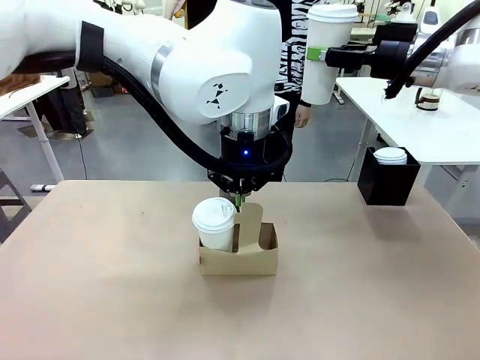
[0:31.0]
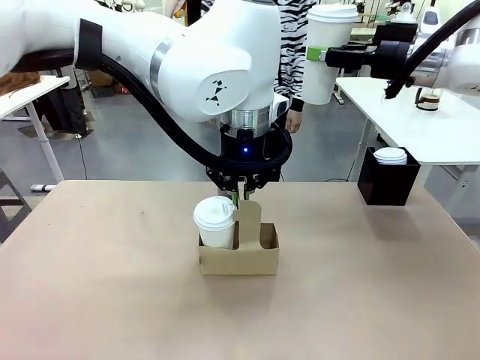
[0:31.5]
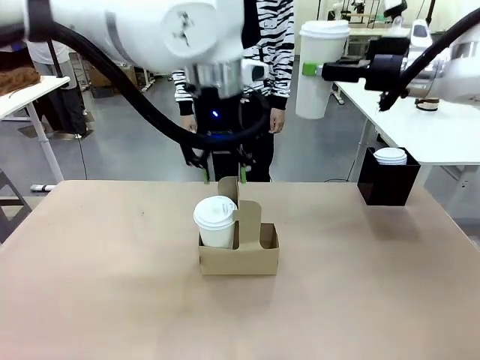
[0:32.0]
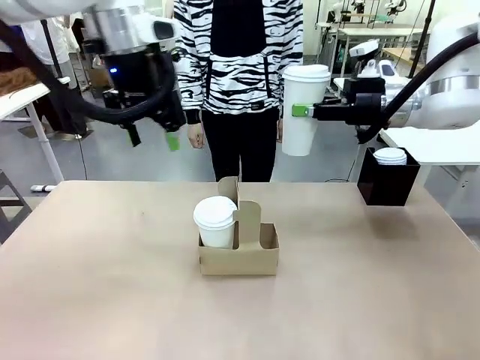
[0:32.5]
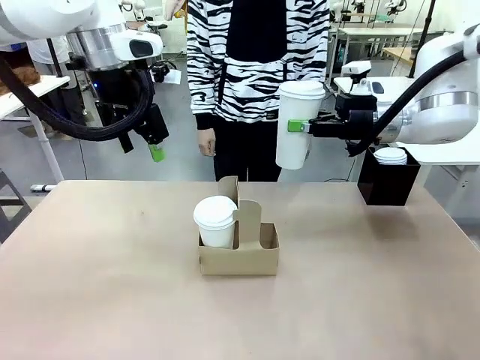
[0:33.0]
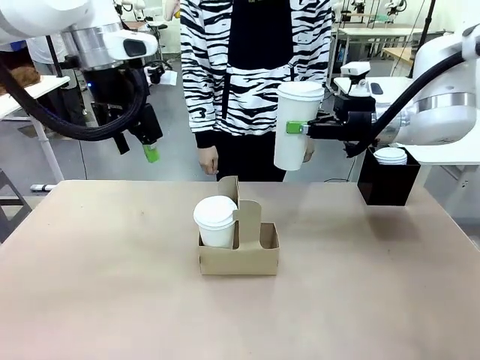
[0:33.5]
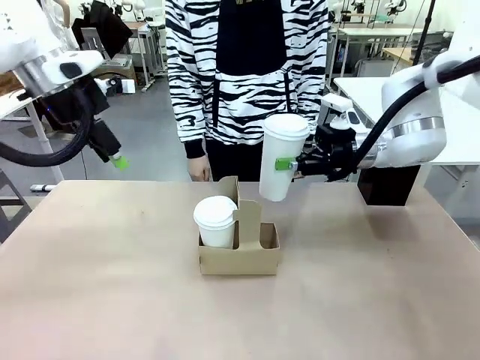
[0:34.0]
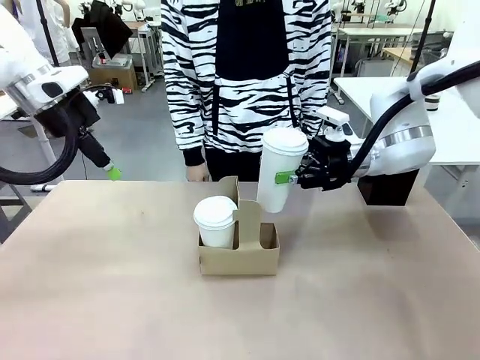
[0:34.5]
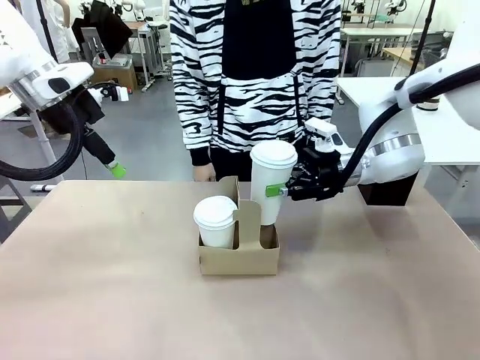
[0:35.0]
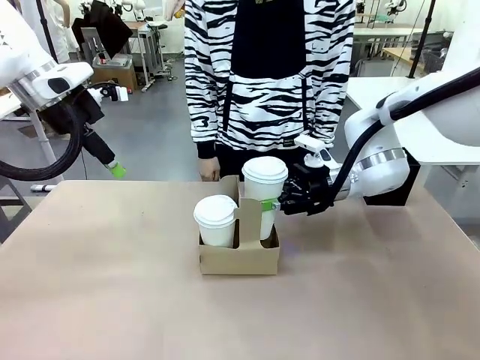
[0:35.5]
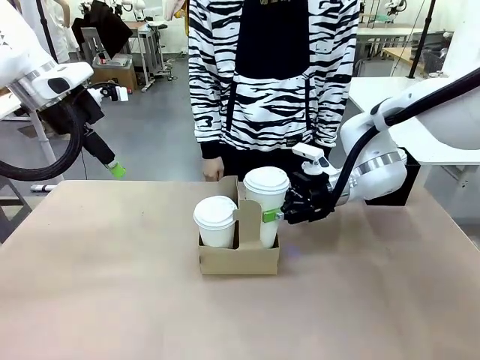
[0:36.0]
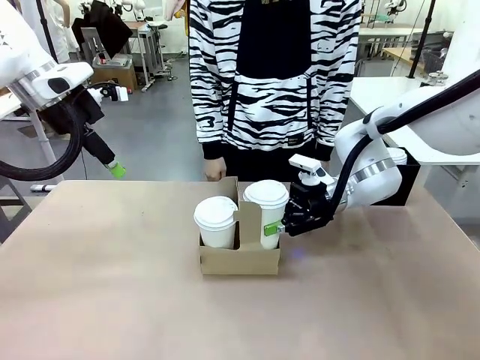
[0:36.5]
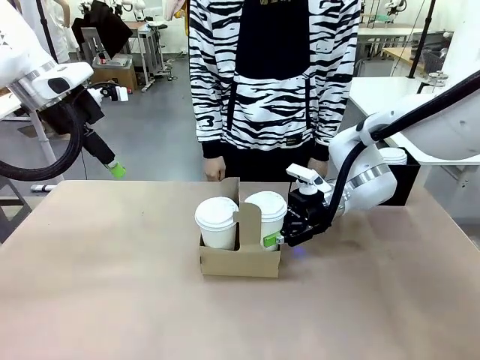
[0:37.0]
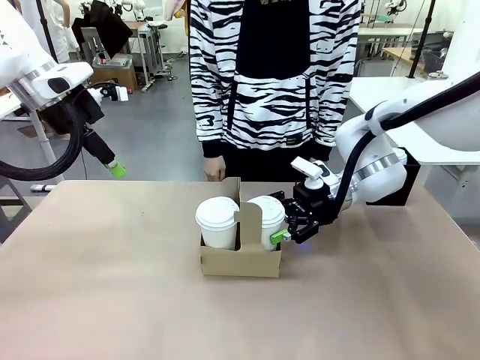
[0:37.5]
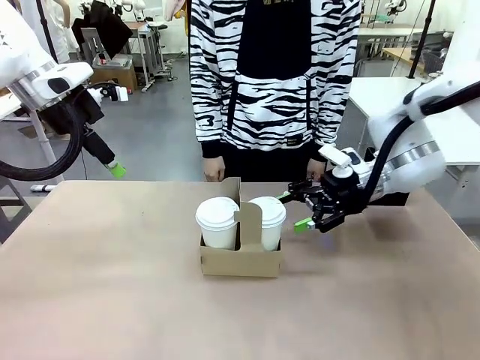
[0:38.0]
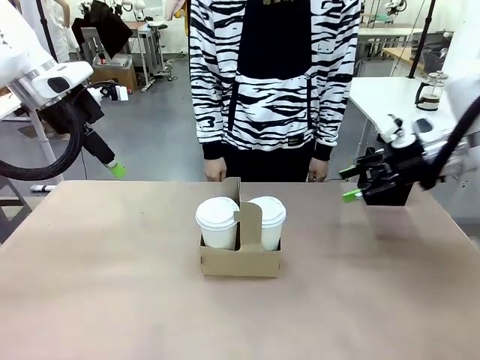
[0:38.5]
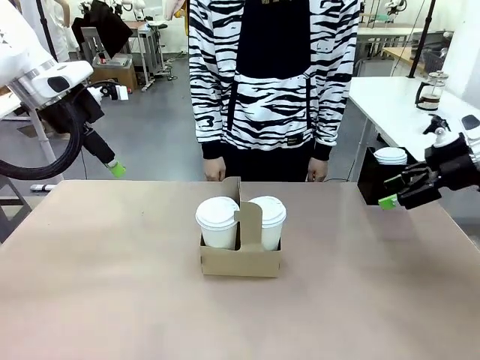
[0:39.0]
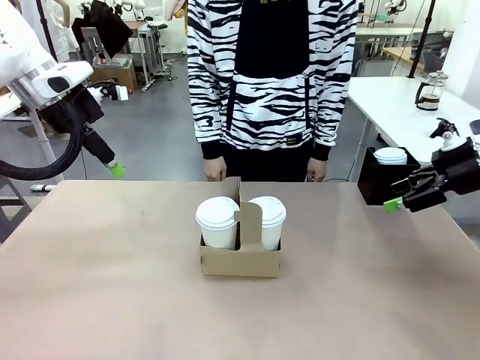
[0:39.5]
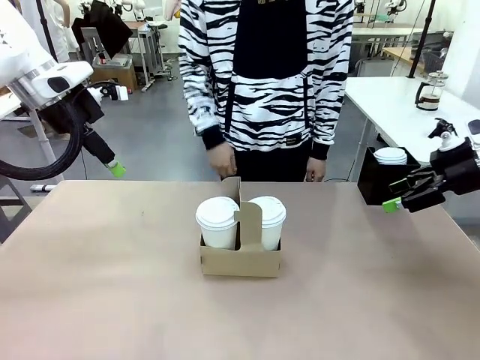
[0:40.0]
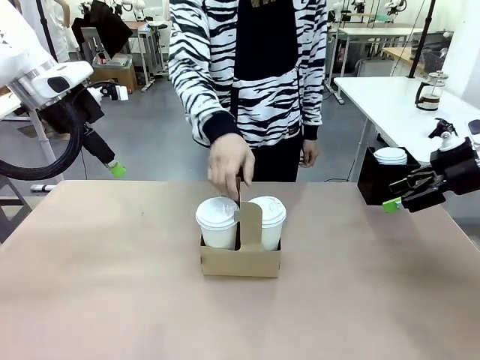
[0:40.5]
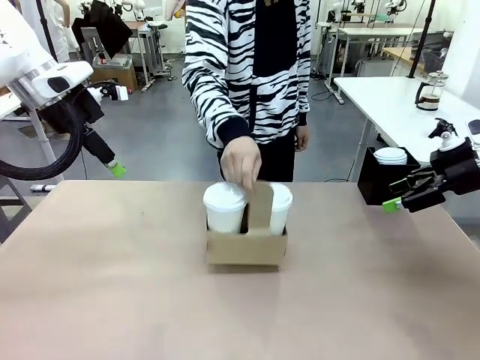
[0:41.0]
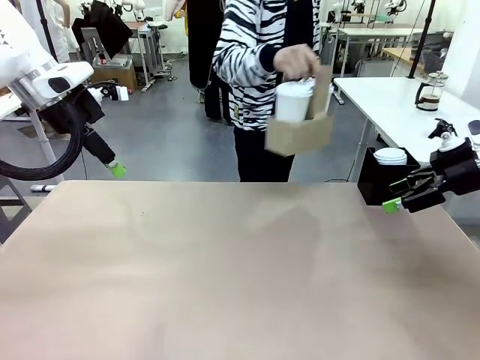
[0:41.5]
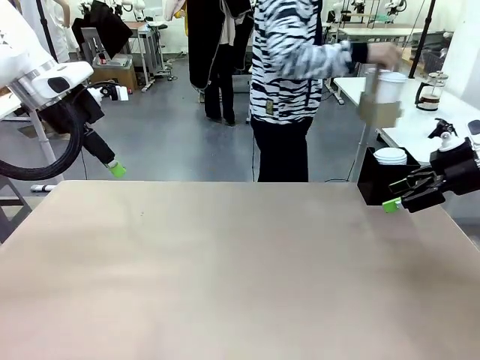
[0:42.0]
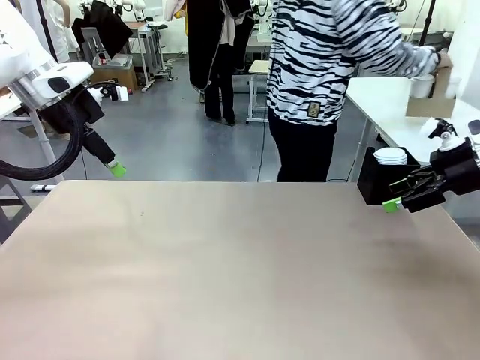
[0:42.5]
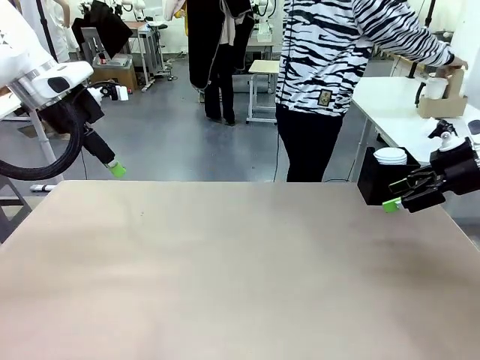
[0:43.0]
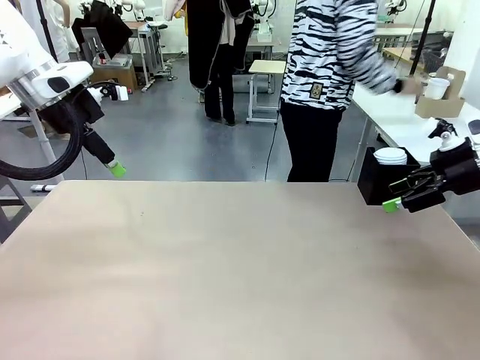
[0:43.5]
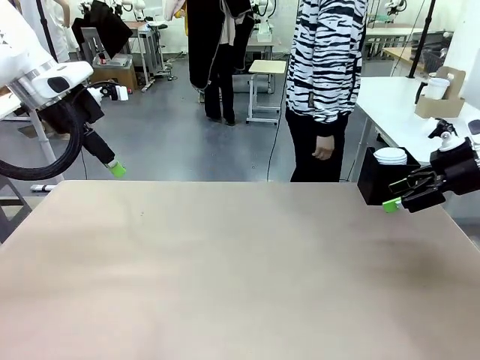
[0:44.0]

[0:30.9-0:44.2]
Task: Pour a drink into a cup and package it in a carrier.
Robot: Insert the held 600 ml Paper Cup into the Cup Carrier.
Person: Place the Cup Carrier to the middle of Human table.

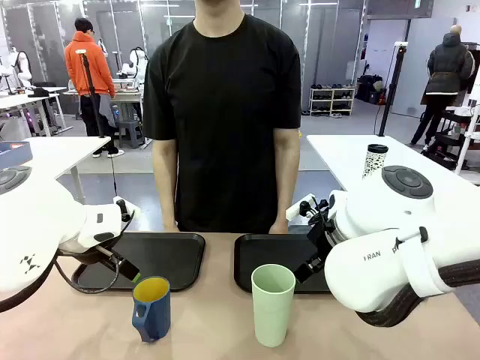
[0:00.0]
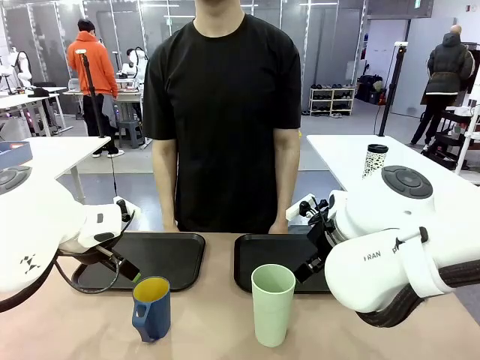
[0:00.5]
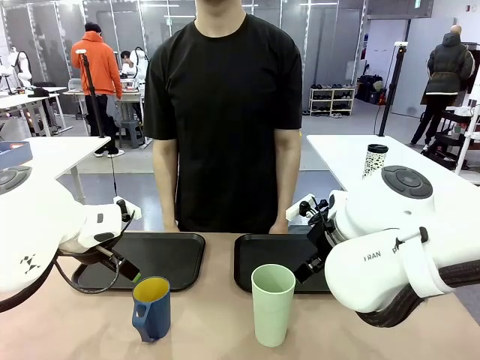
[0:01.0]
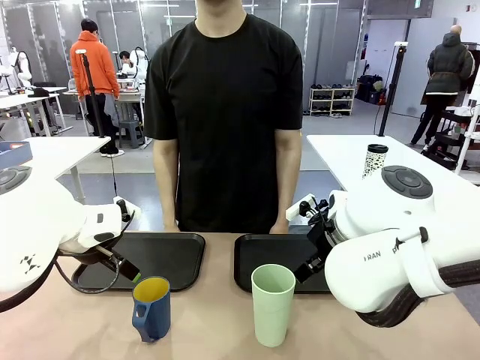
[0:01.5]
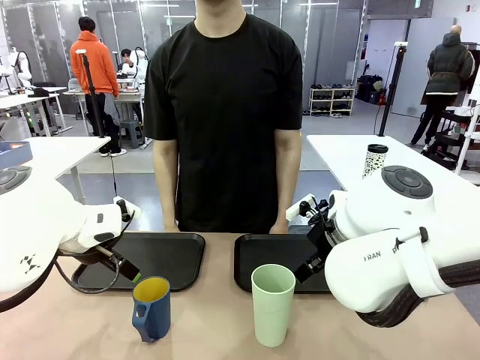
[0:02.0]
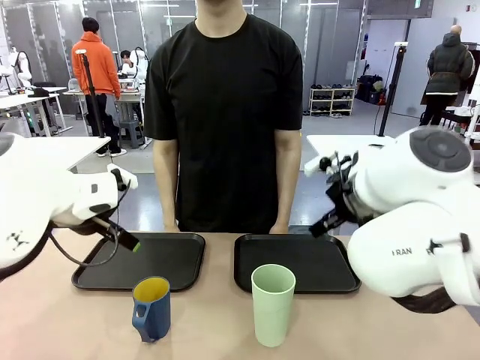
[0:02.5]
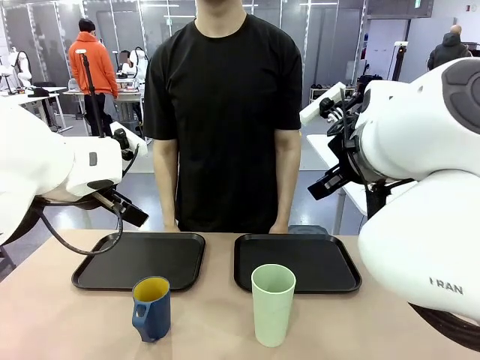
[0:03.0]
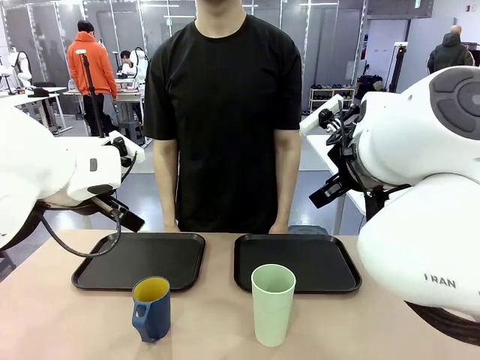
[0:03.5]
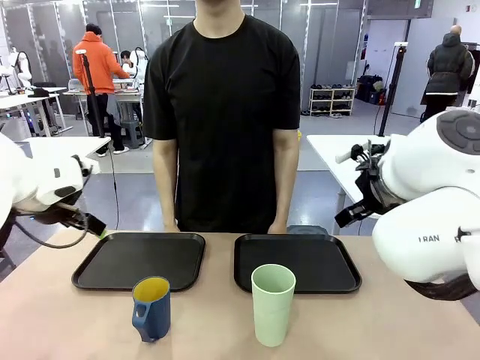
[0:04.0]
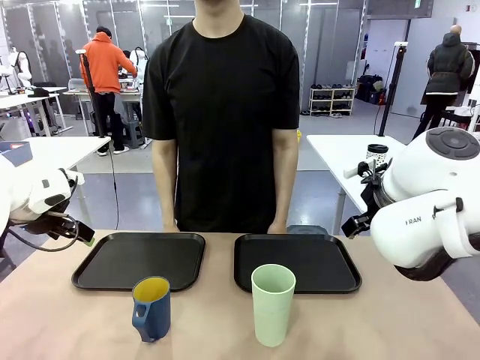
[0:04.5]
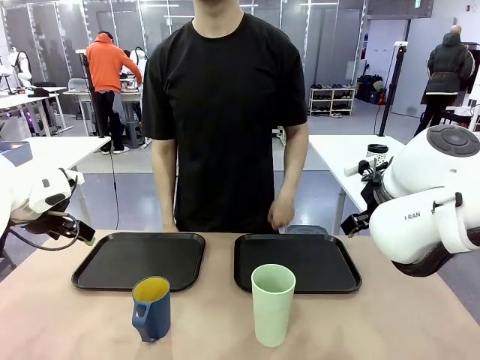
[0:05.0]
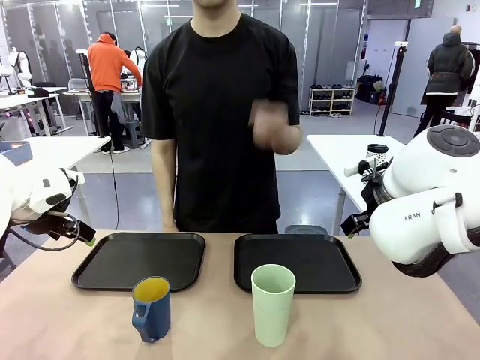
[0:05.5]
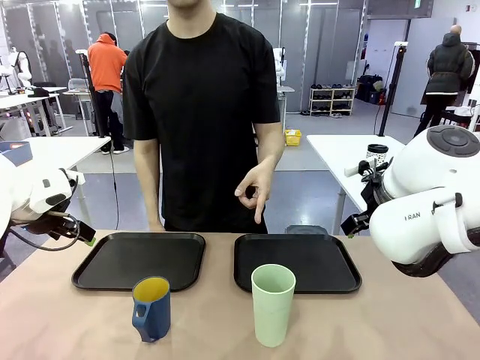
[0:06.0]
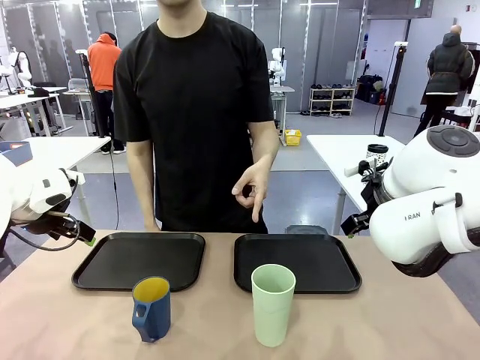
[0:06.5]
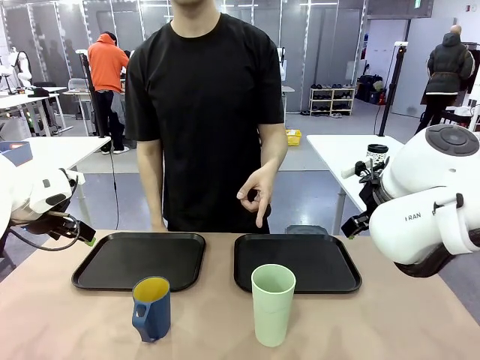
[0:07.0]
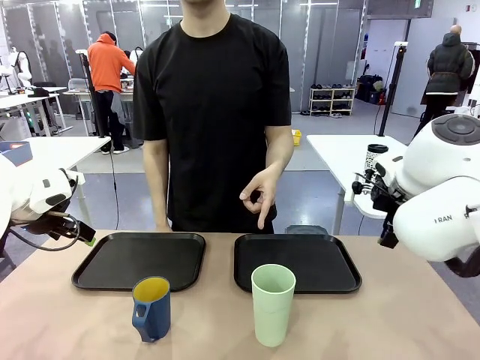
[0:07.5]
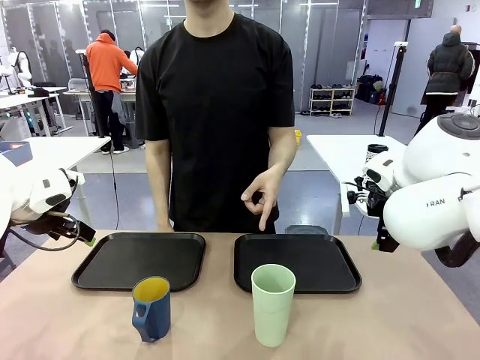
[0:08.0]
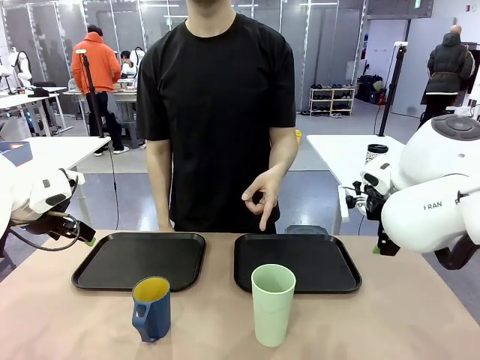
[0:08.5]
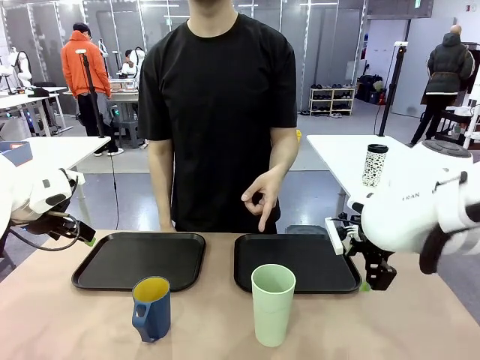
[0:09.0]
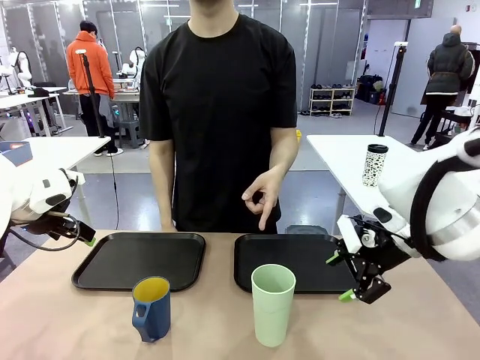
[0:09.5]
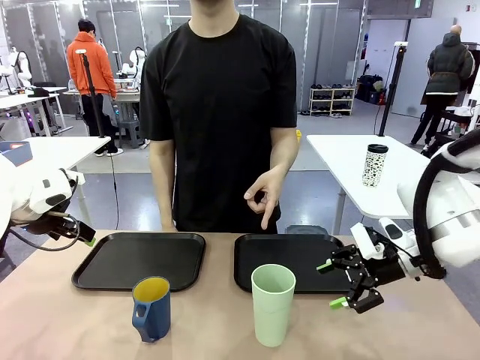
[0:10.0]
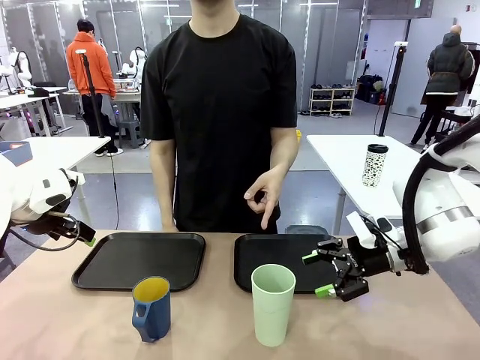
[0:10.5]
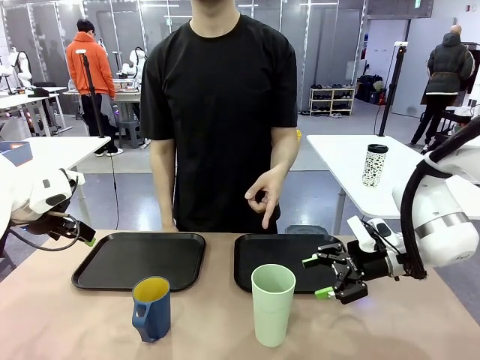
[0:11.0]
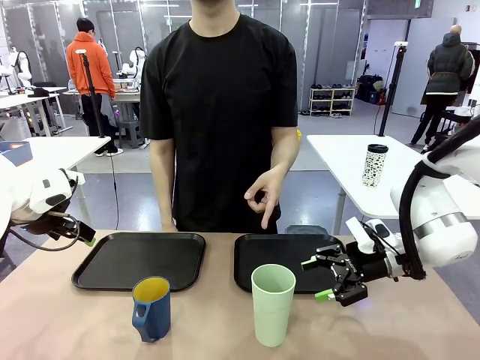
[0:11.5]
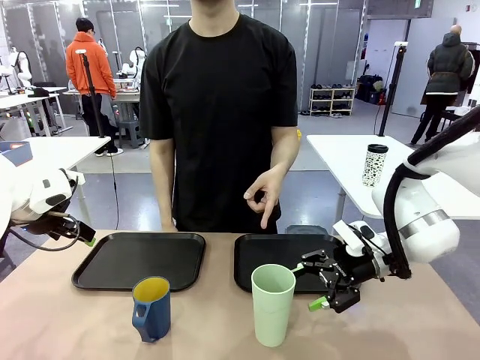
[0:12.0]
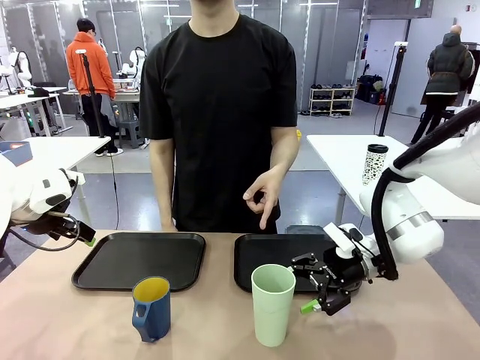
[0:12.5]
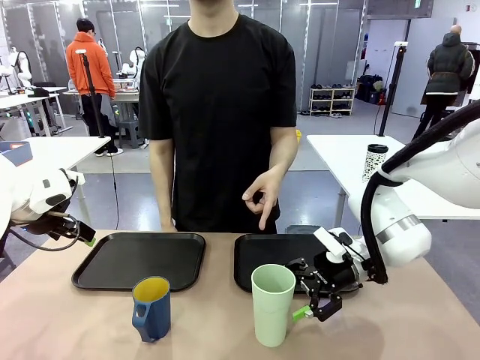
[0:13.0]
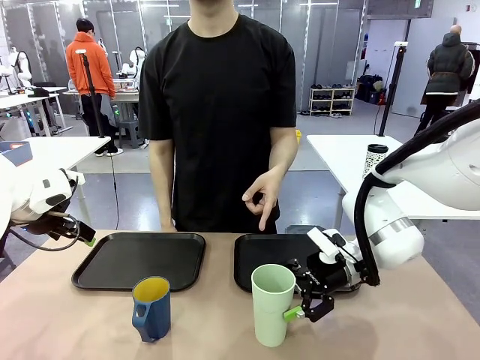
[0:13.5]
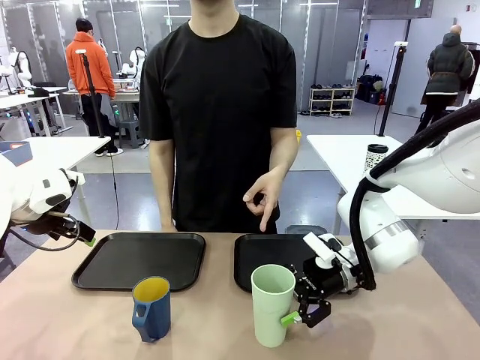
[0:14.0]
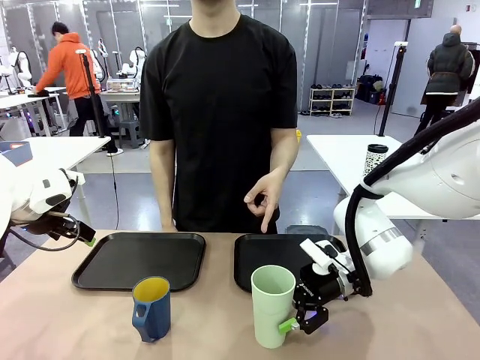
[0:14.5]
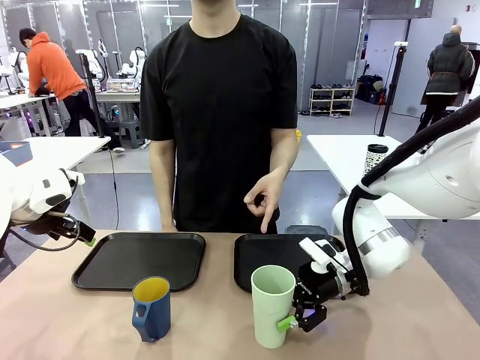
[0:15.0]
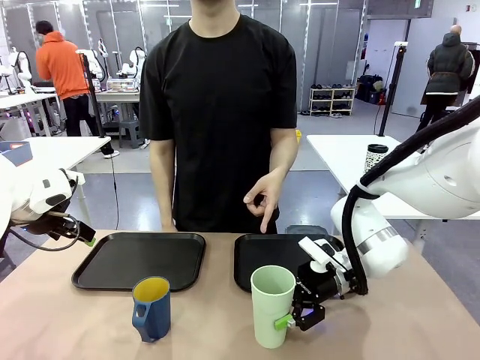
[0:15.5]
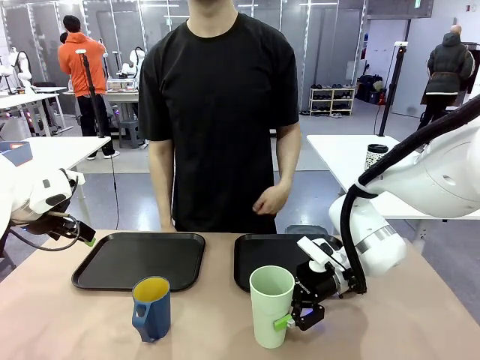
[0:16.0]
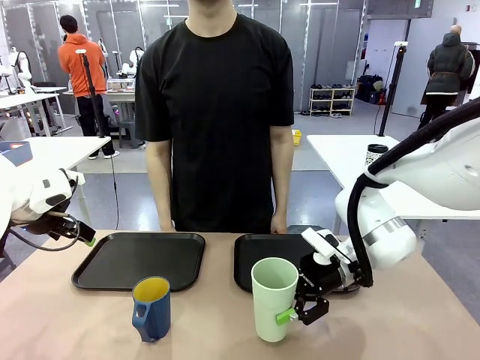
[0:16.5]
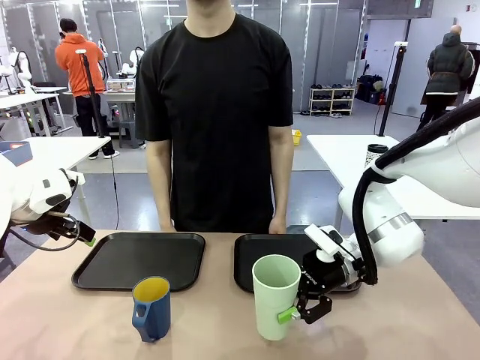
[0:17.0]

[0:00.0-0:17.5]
Task: Sort and store the cups by type.
Robot: Pick up the Reusable plastic cup.
Person: Points to the reusable cup. Point to one of the two trays.
